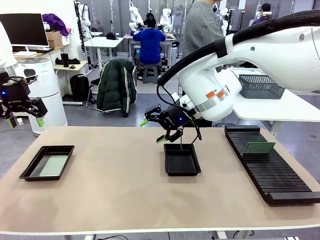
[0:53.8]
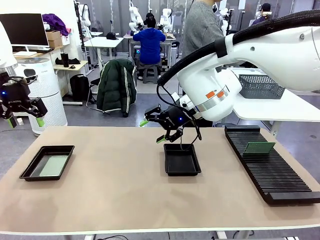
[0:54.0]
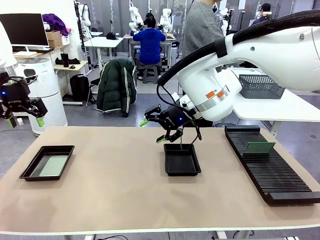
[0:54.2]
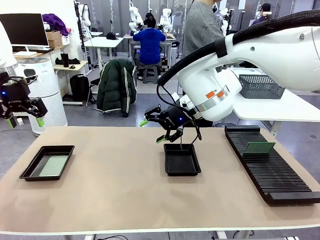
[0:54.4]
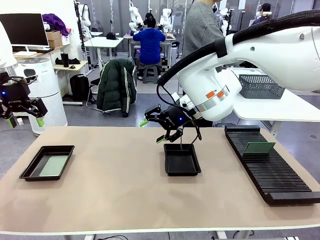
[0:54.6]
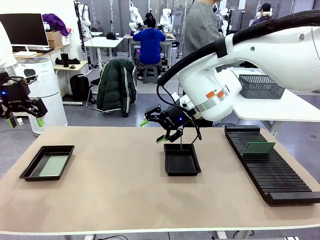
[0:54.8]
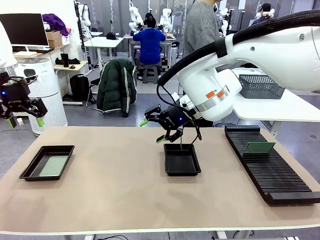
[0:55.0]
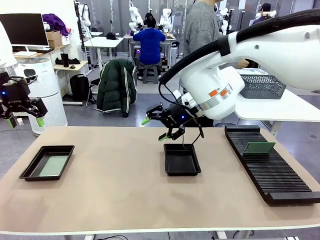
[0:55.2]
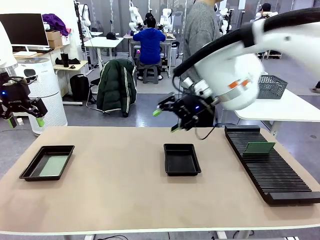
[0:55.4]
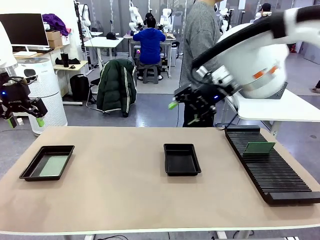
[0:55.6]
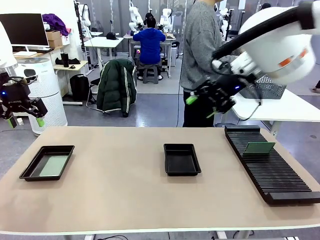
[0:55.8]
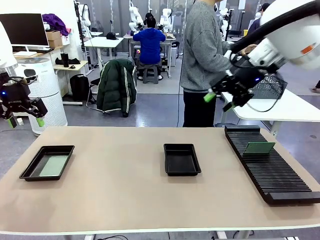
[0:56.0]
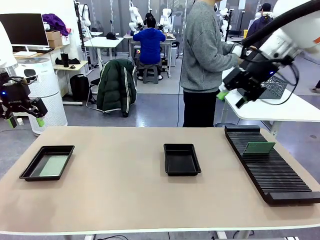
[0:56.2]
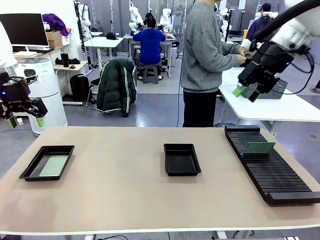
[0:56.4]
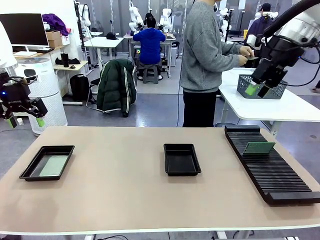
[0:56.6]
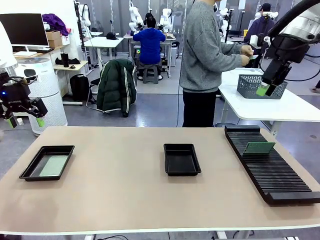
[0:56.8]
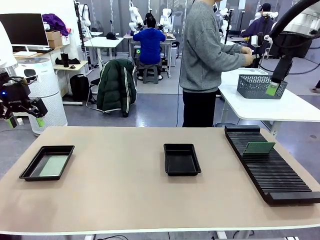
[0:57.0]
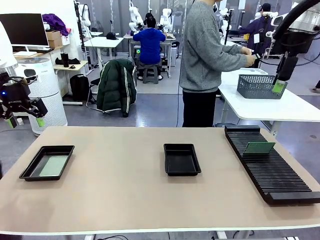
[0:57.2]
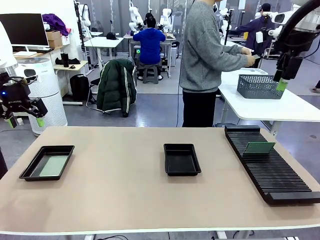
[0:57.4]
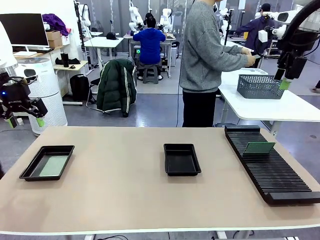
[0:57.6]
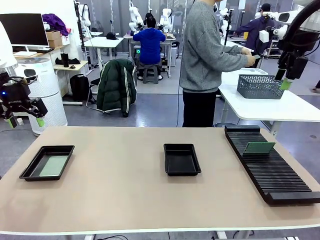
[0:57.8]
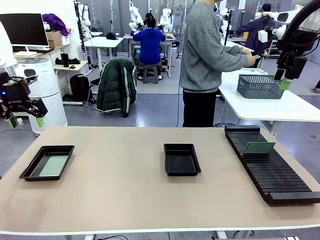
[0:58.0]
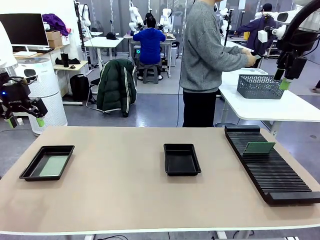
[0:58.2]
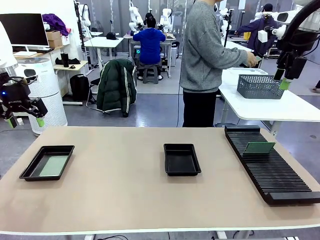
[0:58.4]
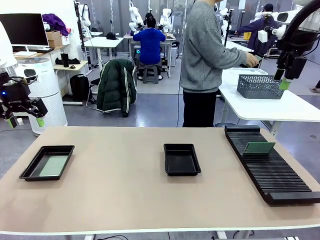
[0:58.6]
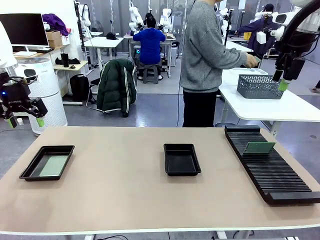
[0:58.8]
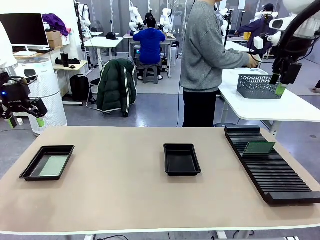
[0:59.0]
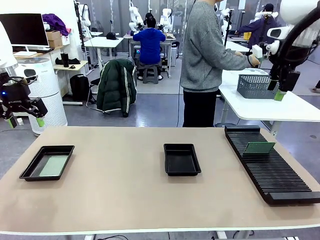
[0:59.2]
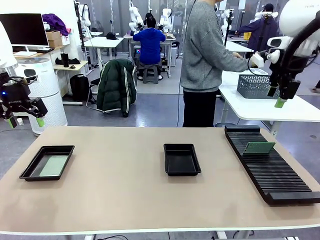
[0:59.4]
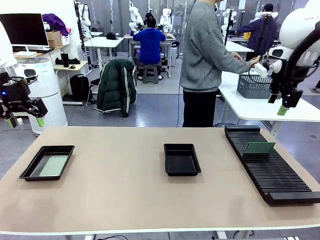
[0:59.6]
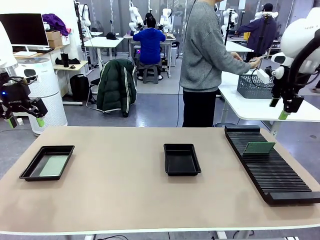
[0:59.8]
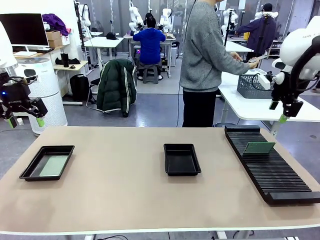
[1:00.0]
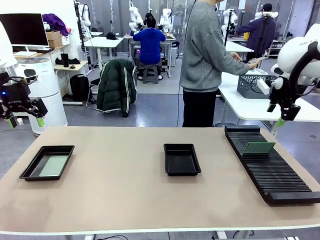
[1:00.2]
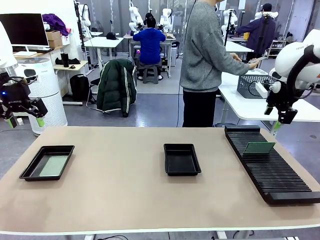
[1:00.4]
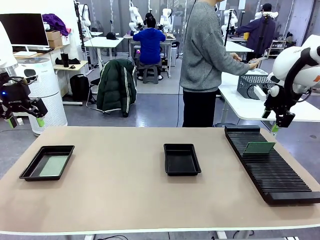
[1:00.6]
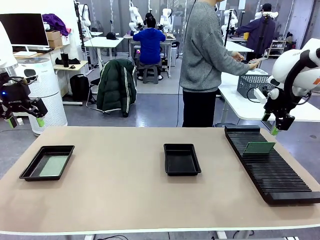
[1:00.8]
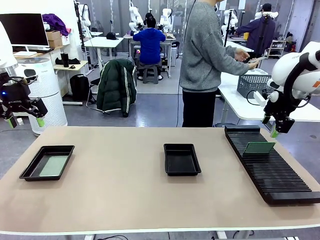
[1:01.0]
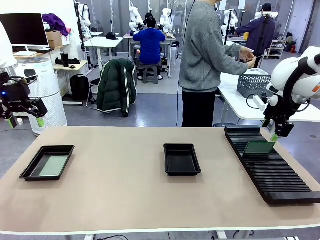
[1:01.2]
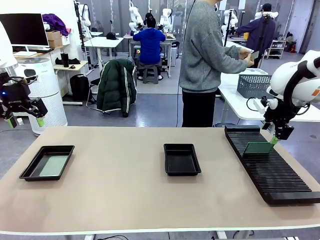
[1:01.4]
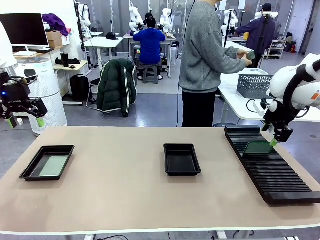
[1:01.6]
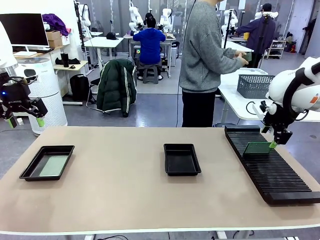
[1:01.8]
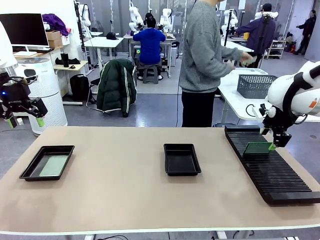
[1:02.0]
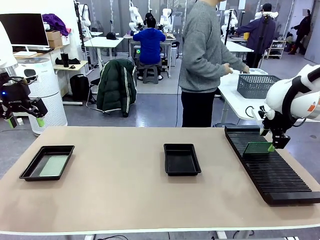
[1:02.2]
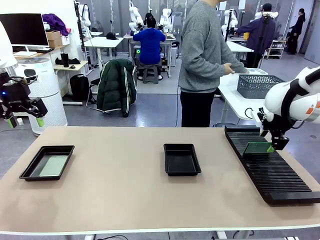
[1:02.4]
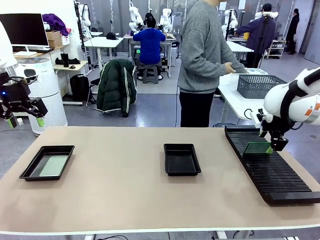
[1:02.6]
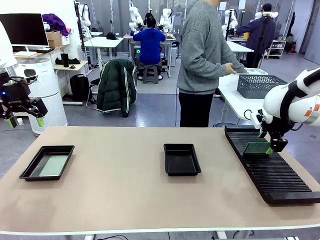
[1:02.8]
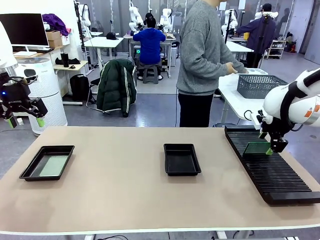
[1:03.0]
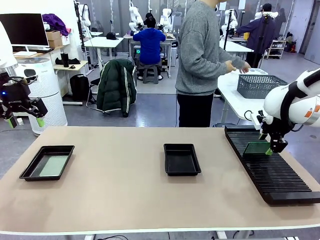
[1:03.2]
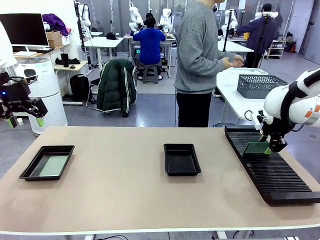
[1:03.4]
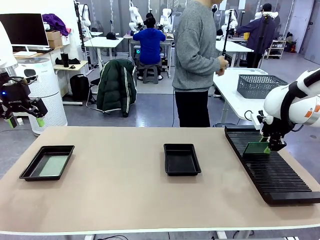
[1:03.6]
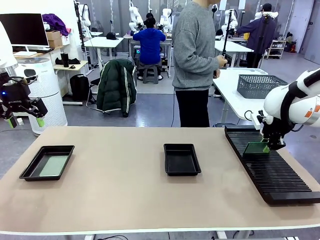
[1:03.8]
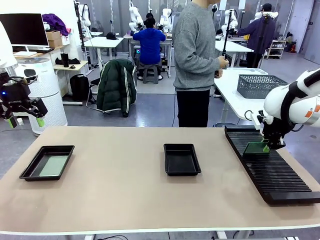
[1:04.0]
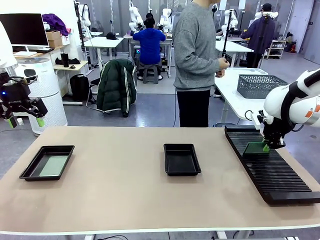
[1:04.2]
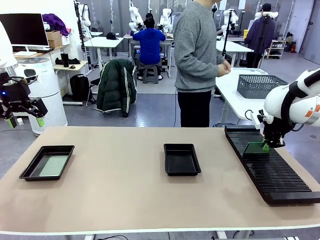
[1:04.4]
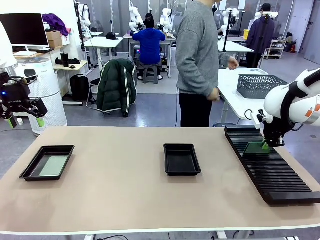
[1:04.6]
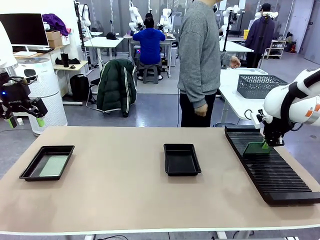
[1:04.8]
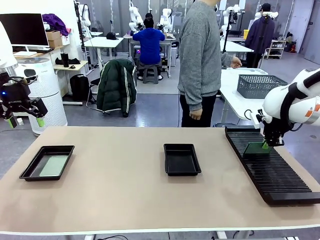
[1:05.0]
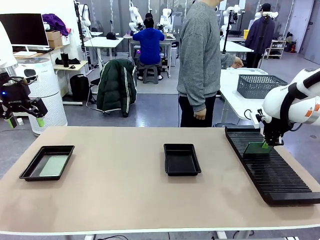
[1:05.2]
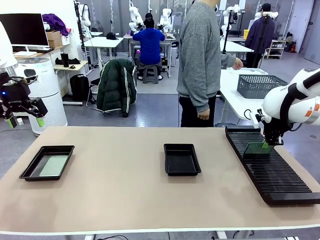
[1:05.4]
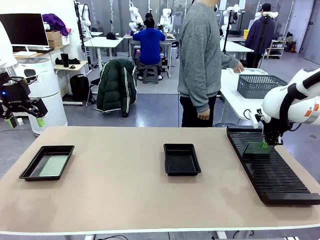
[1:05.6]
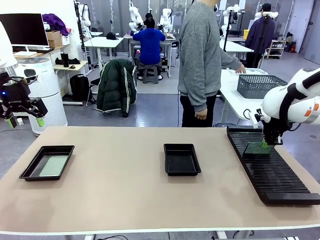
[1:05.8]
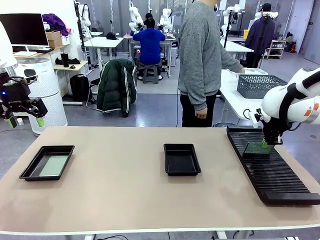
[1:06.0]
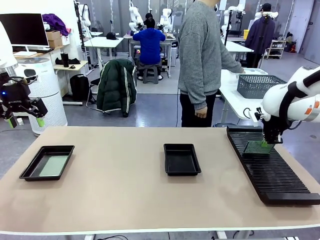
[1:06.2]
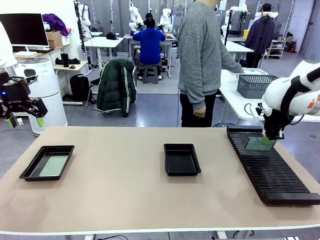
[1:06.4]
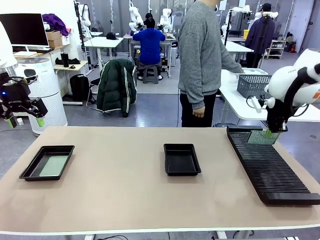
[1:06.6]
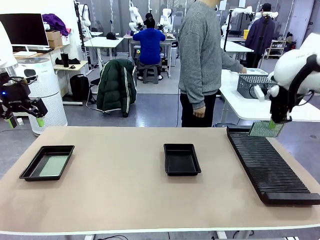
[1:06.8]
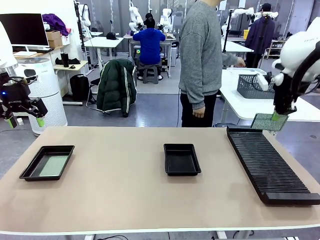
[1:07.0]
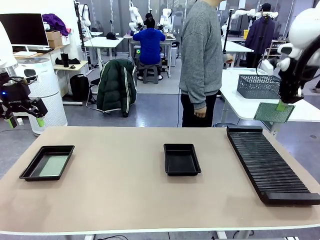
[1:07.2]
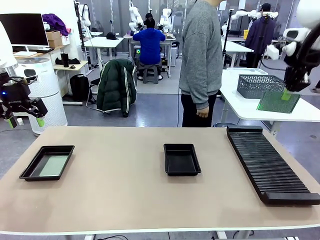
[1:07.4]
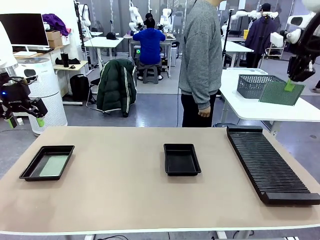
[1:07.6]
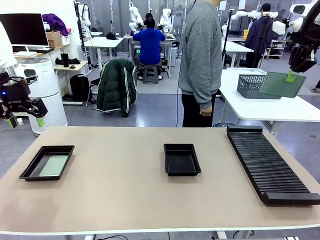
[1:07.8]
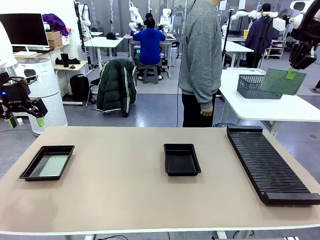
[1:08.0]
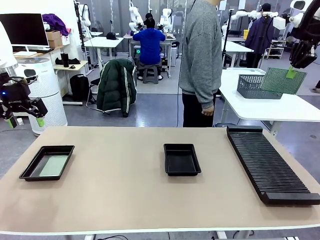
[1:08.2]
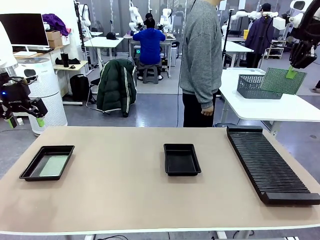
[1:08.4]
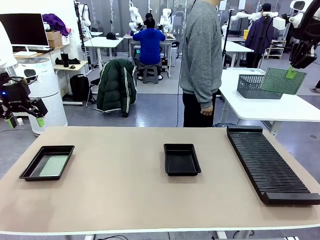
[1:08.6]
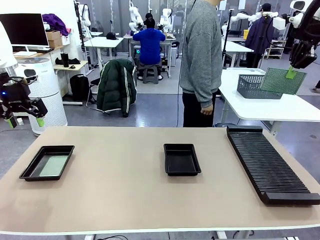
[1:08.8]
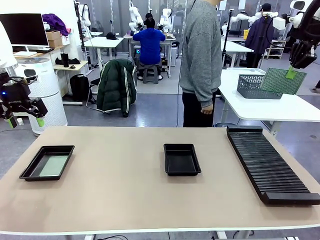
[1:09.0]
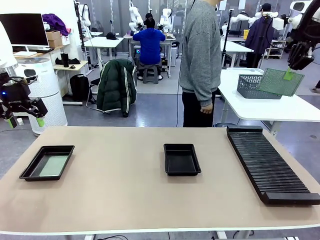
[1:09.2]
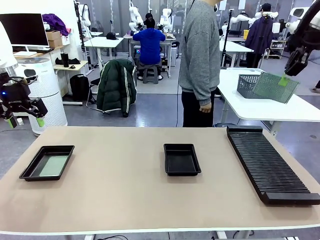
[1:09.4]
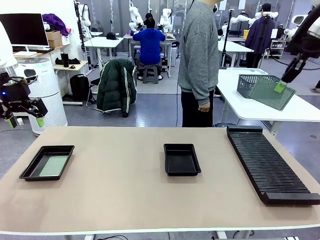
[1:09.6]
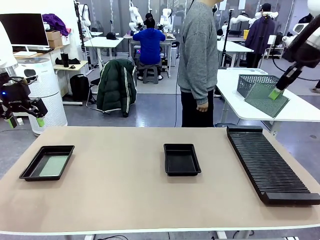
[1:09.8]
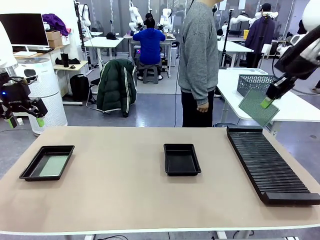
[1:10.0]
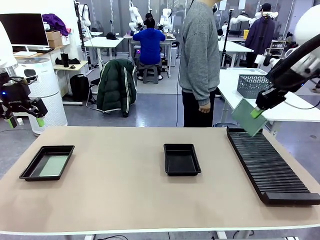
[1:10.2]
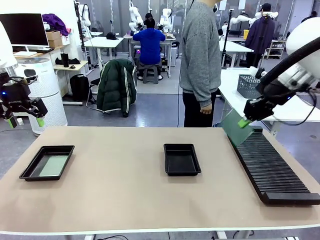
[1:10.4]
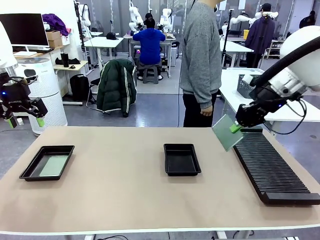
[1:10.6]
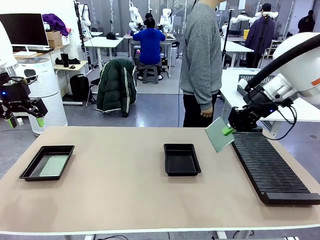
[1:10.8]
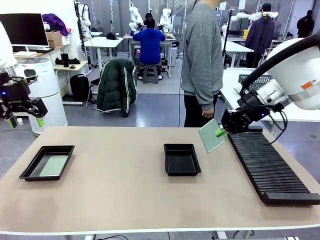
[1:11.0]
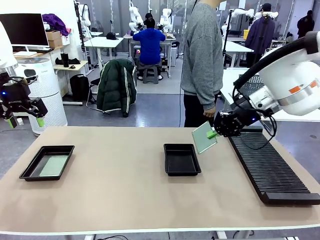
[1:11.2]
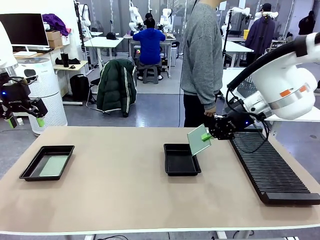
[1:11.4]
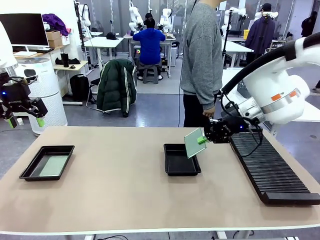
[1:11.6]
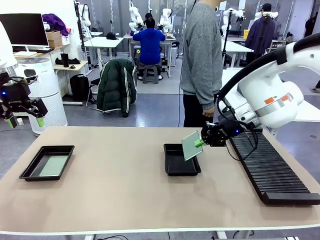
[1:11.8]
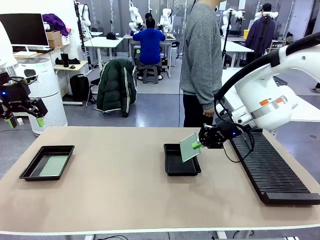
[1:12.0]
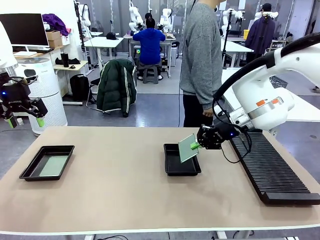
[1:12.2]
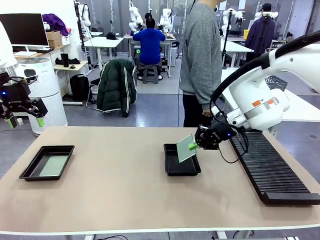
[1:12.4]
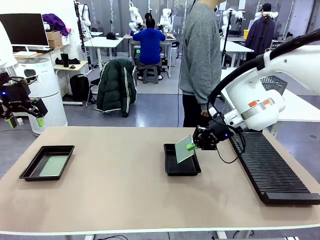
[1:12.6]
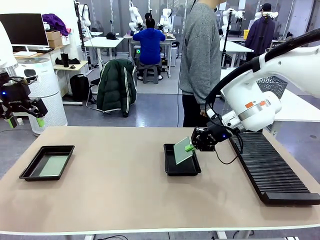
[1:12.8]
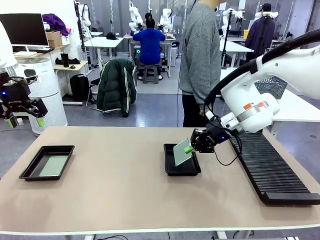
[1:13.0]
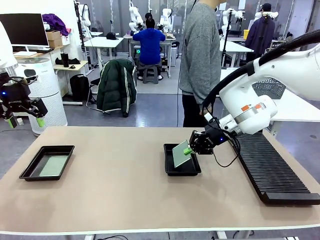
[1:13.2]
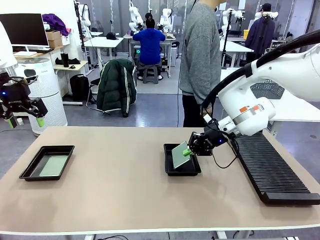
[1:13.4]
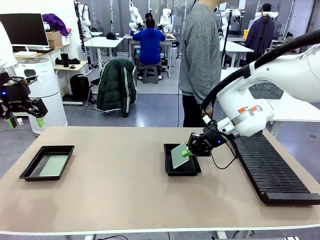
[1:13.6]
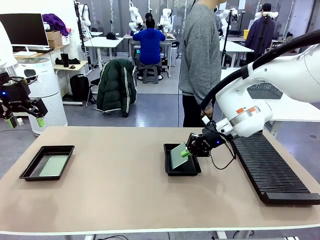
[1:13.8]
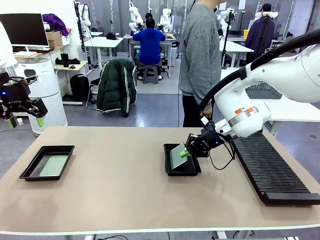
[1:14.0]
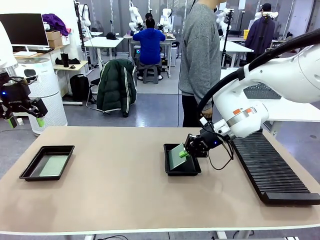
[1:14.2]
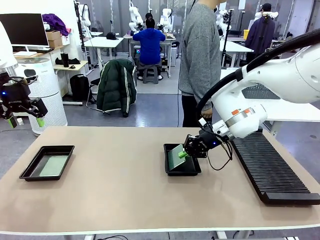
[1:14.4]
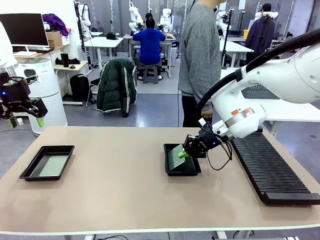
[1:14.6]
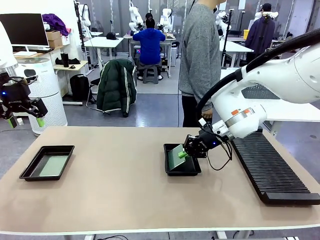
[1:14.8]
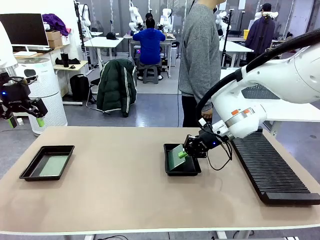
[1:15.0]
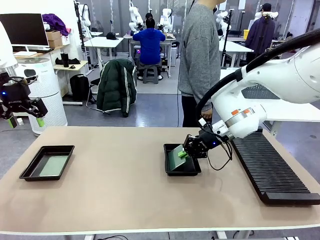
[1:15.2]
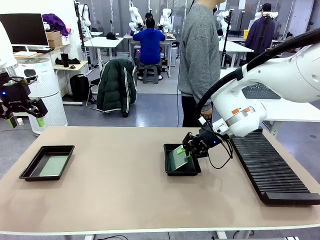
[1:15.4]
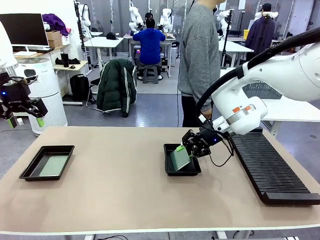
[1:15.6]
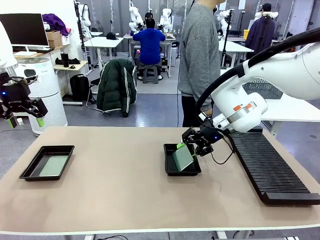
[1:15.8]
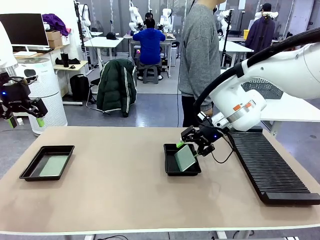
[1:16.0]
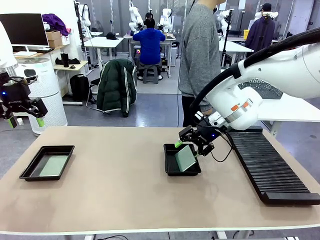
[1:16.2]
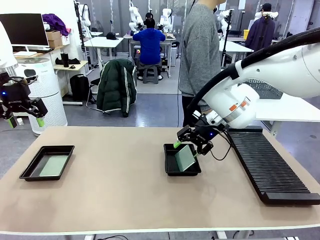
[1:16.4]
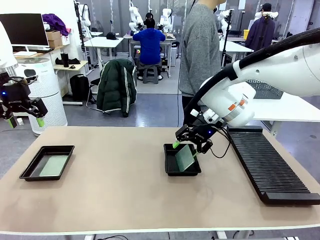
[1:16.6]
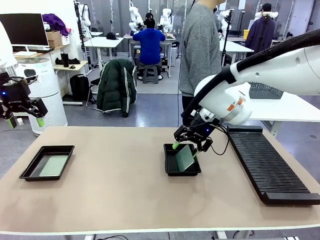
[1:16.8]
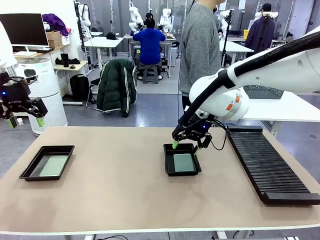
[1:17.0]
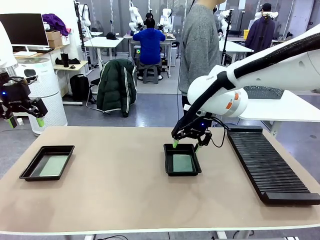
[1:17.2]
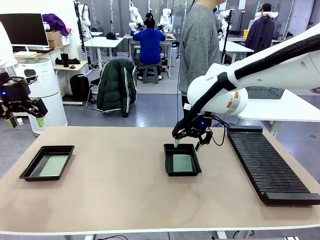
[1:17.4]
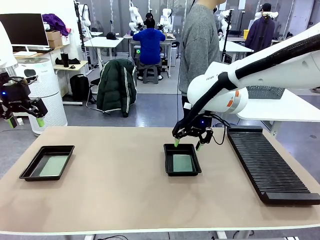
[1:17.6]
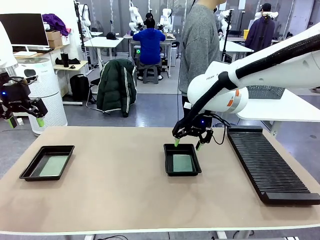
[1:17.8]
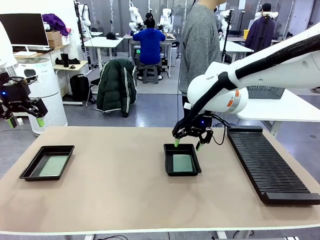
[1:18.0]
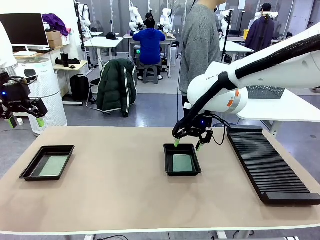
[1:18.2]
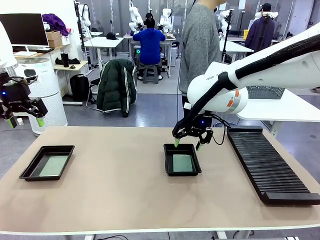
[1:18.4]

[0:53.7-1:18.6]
Task: Inspect and transfer BCBs to ESD trays.
Robot: Pick up the Blank PCB from the PCB Rack and place it in the right ESD tray.
